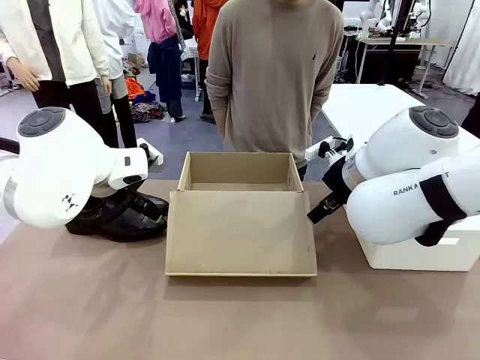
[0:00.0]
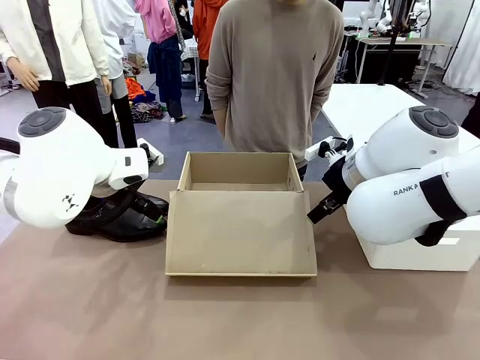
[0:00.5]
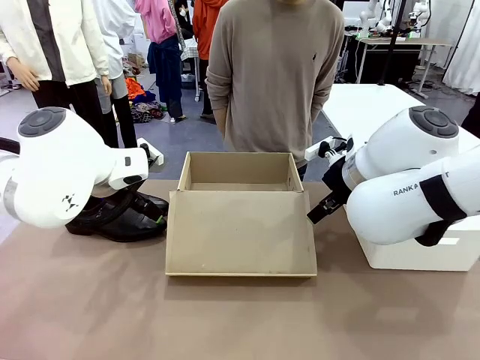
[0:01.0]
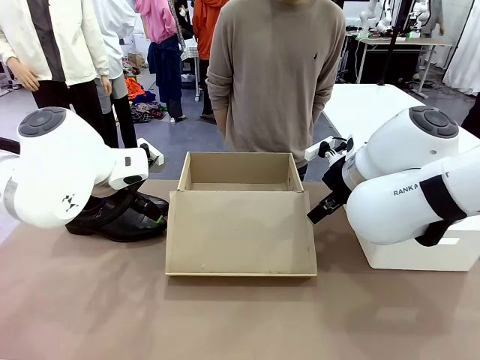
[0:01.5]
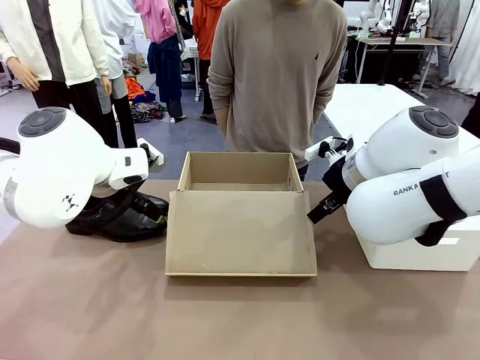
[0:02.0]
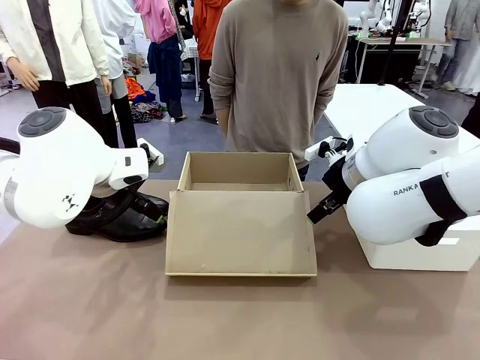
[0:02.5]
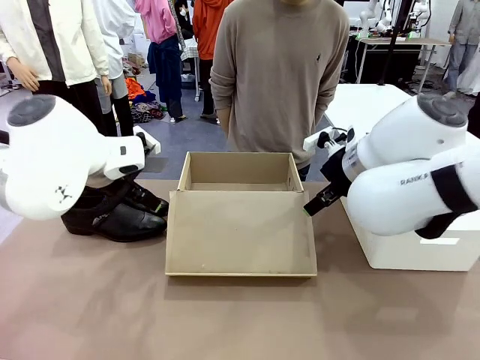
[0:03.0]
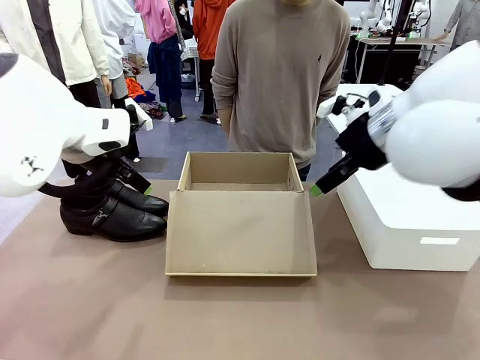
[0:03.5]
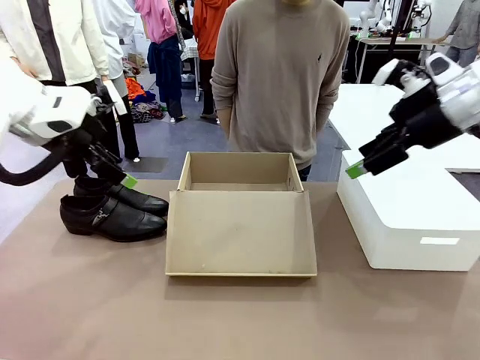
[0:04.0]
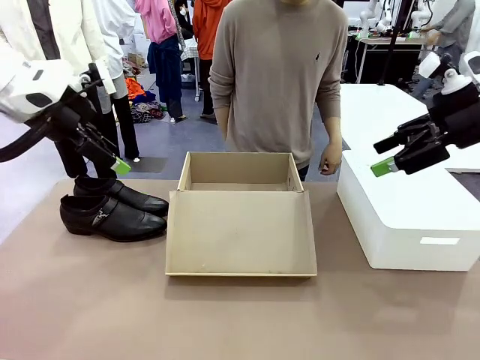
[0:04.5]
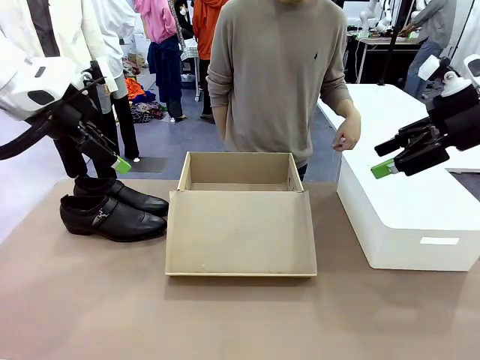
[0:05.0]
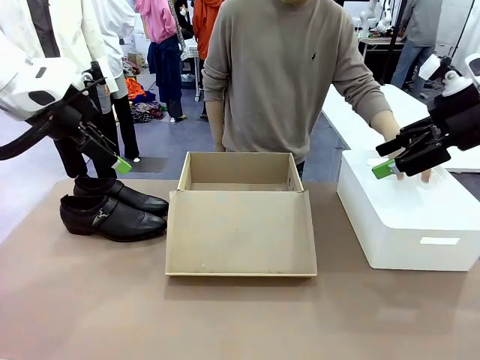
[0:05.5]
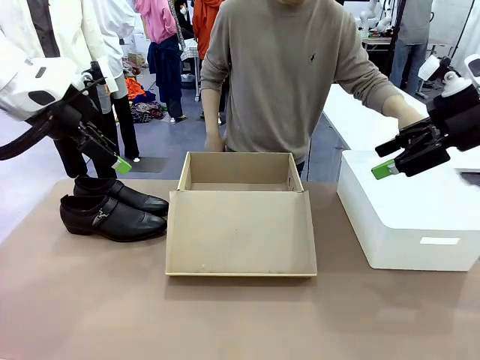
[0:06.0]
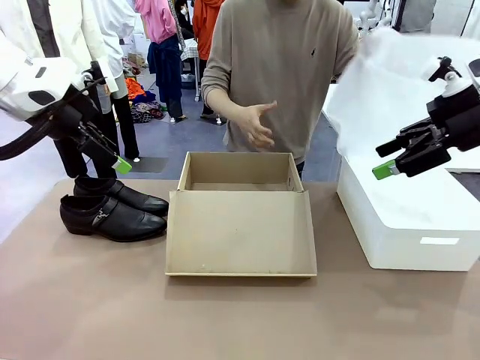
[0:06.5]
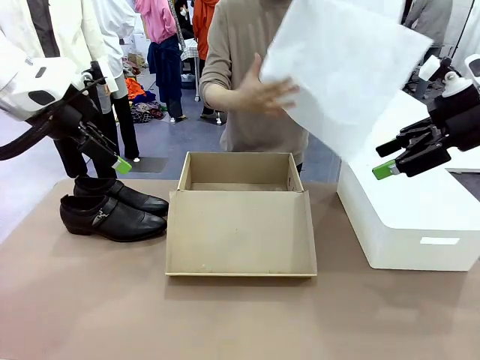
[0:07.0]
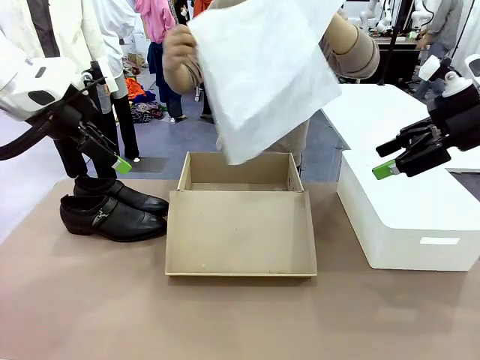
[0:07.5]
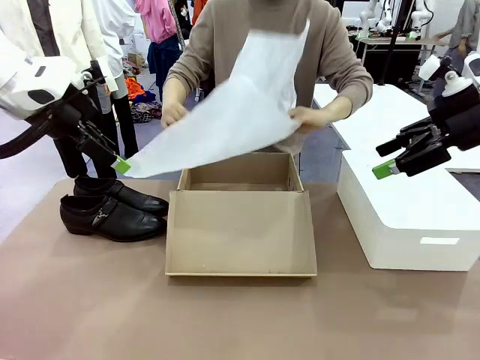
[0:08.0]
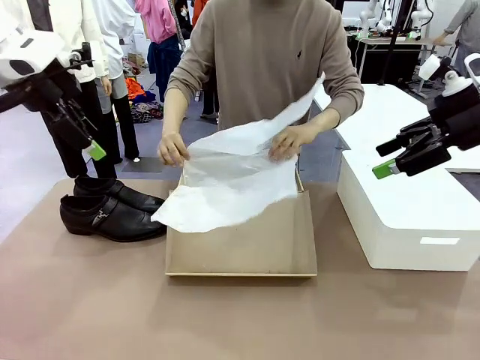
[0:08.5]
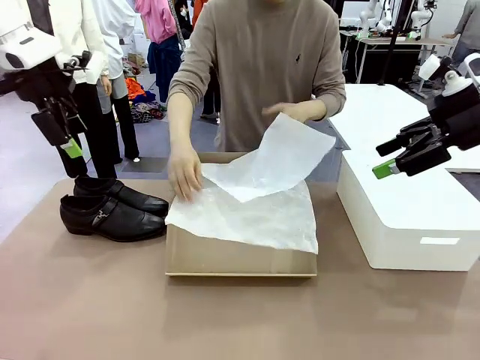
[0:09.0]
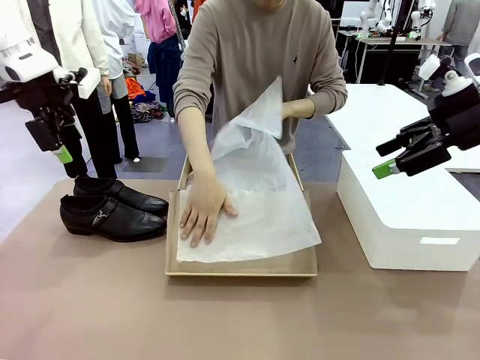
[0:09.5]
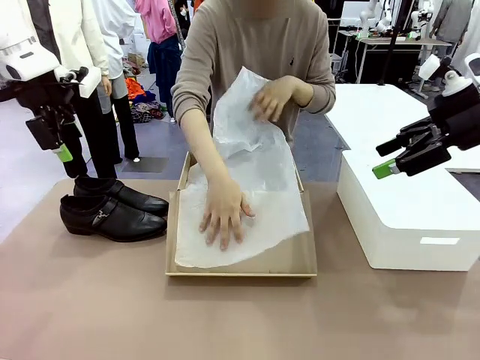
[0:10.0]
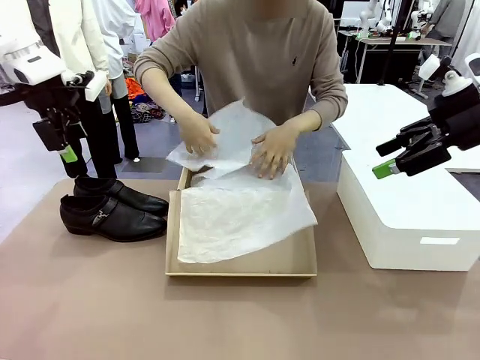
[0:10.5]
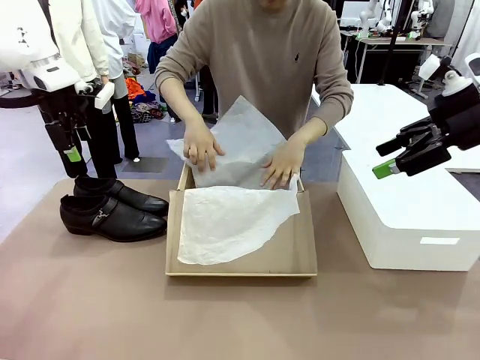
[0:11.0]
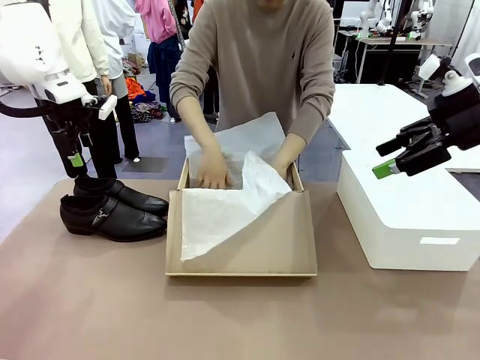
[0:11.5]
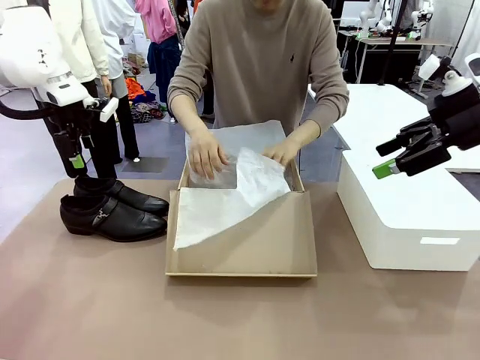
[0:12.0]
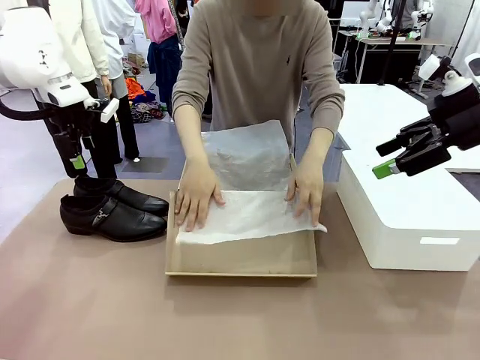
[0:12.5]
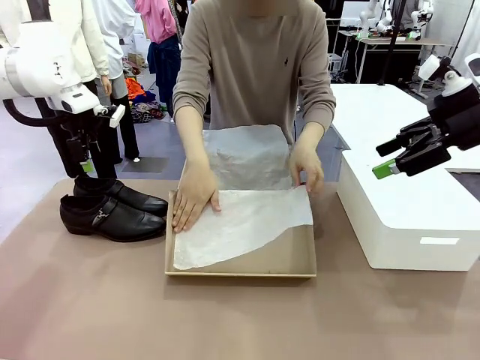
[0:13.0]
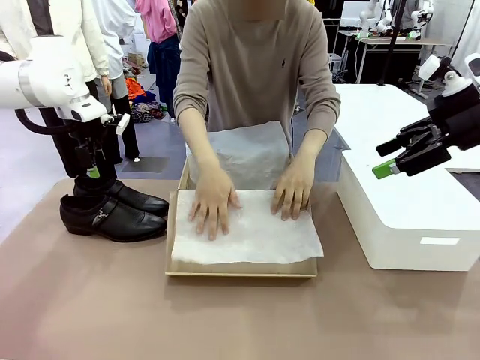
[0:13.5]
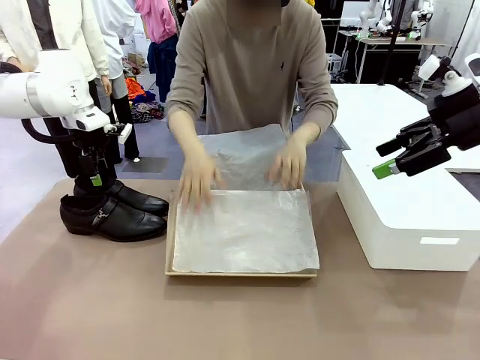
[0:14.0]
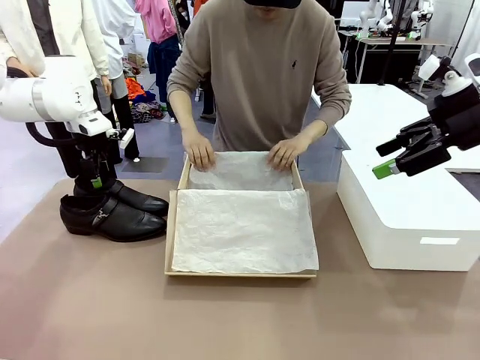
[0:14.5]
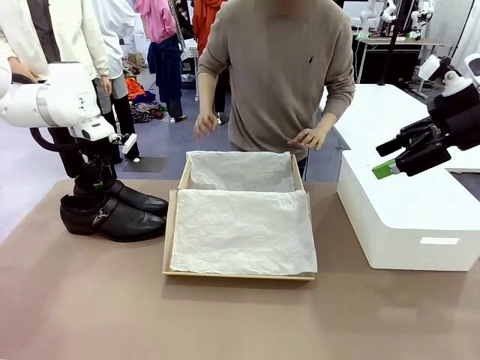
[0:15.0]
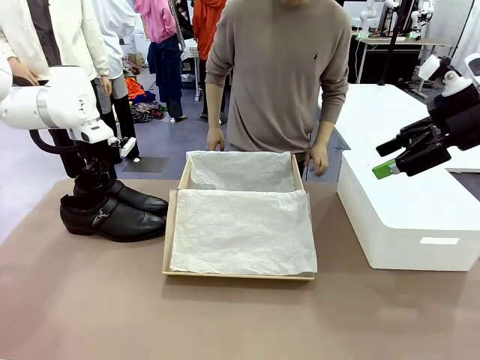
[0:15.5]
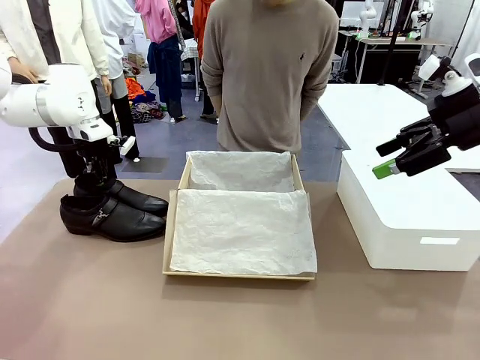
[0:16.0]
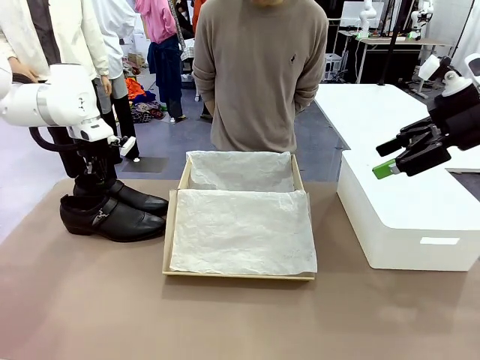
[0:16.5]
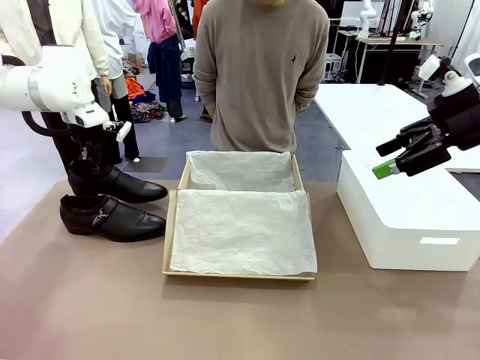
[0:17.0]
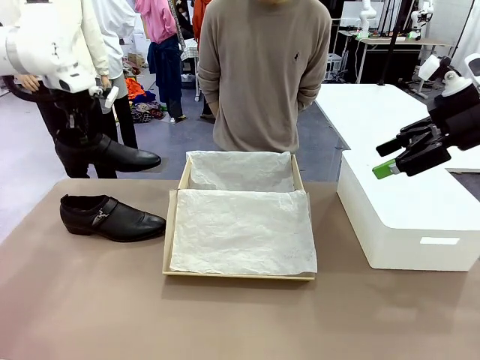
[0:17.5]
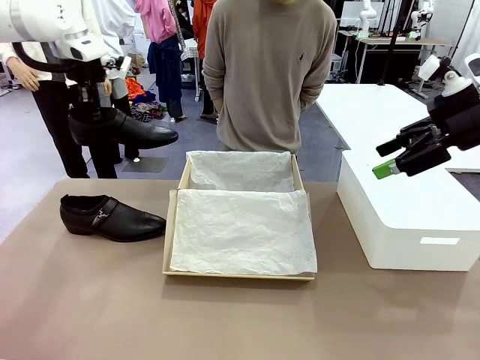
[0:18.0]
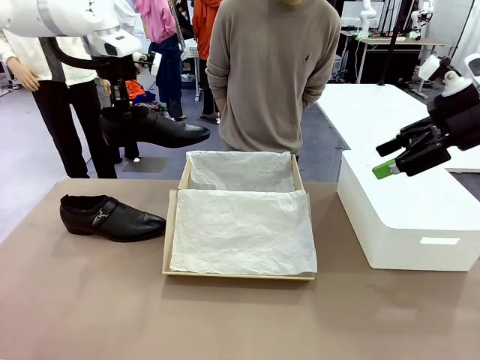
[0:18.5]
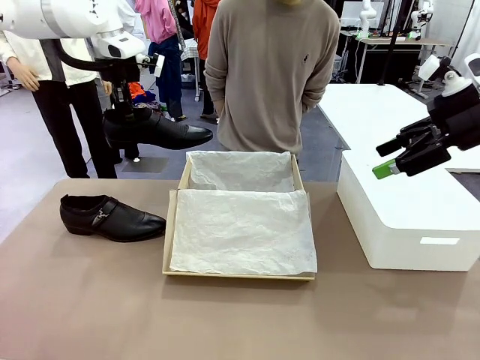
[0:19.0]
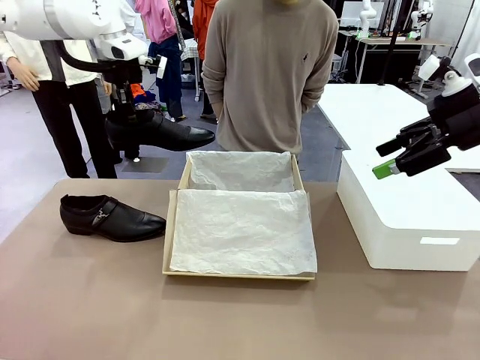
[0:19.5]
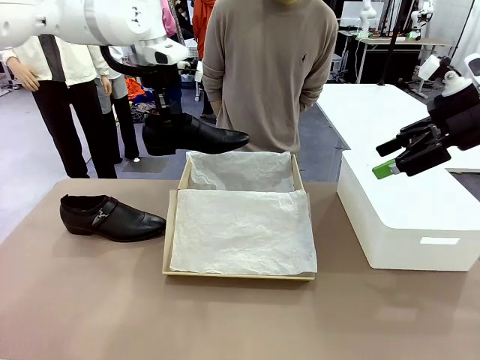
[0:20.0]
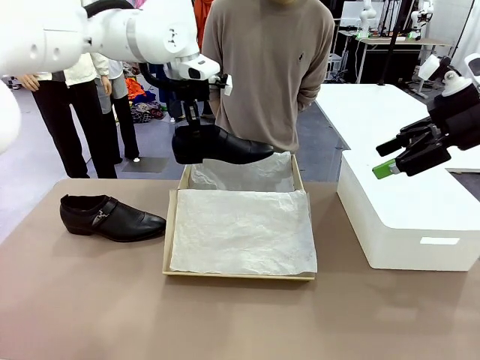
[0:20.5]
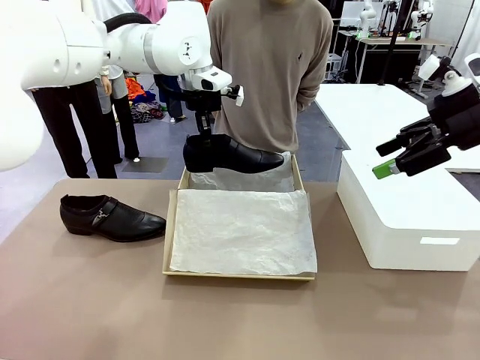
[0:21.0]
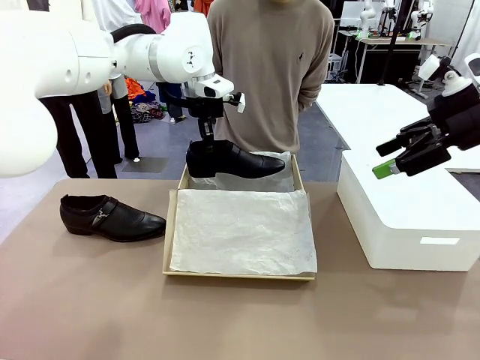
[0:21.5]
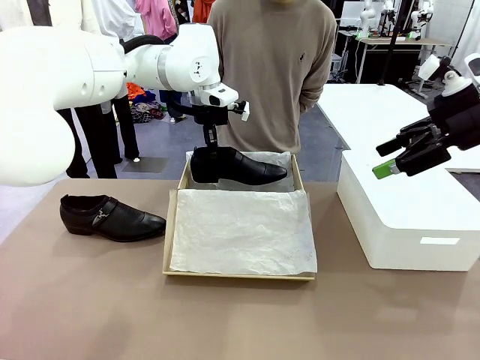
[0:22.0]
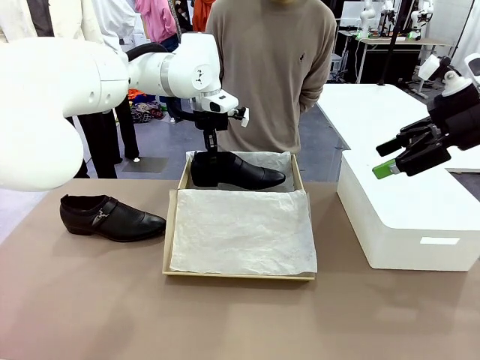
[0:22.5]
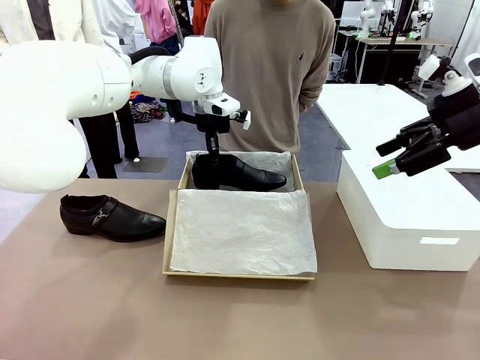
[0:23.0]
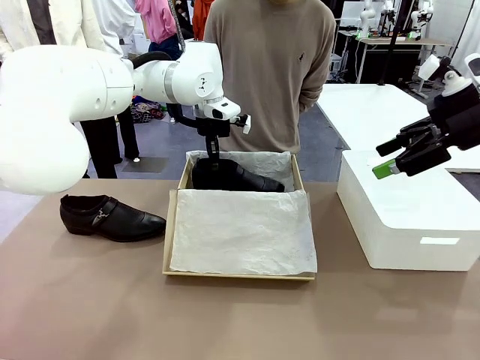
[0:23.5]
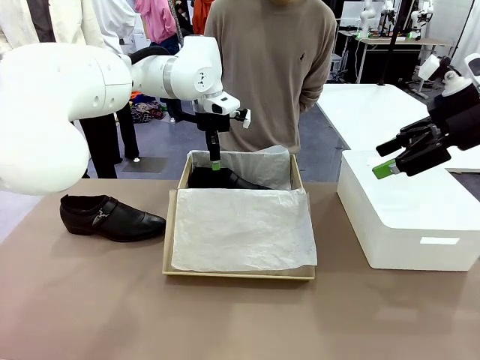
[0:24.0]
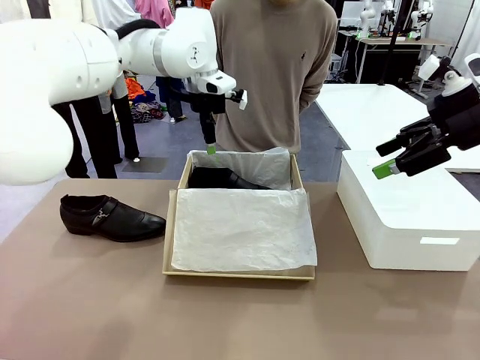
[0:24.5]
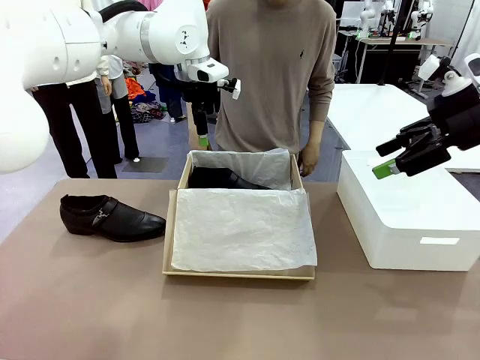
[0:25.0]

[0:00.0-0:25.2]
Task: Pack the shoes into the box.
Robot: Place one shoe of the Shoes into the Shoes Box.
Person: Spread Shoes Wrapping Paper and place inside the Shoes Box.
